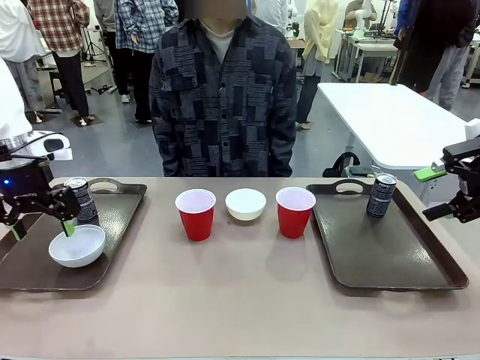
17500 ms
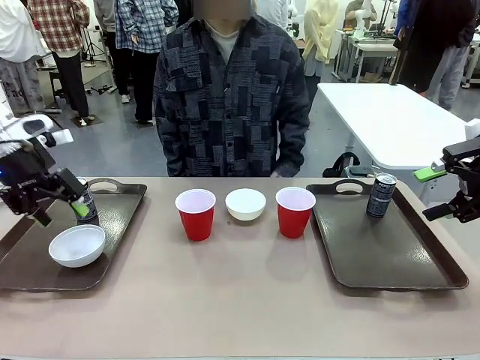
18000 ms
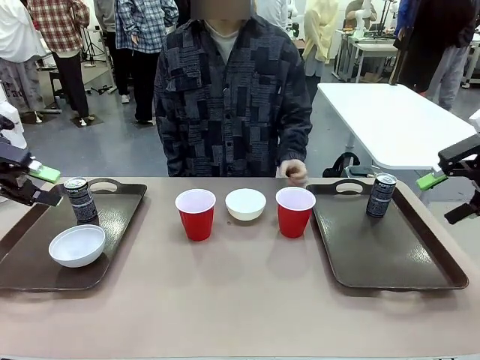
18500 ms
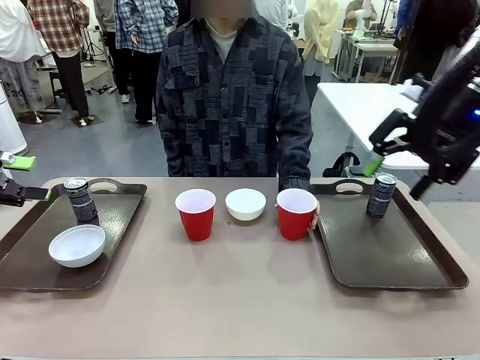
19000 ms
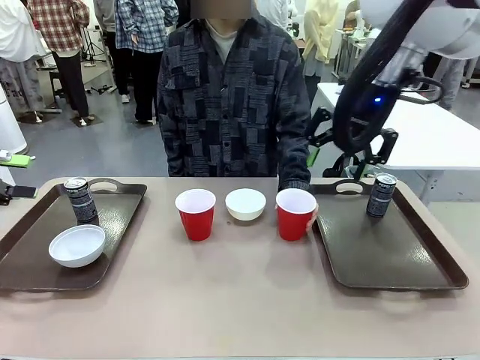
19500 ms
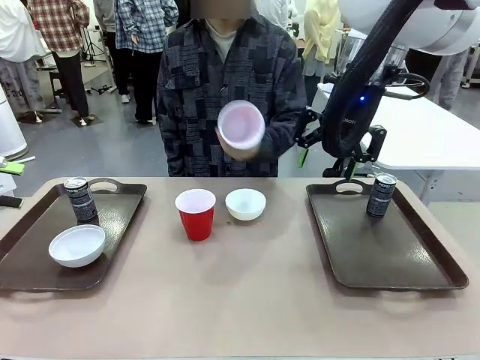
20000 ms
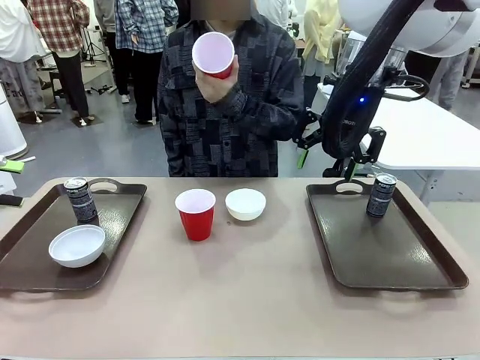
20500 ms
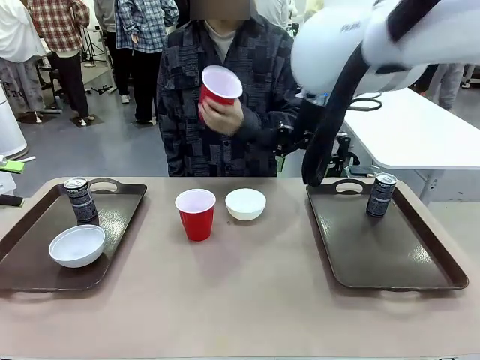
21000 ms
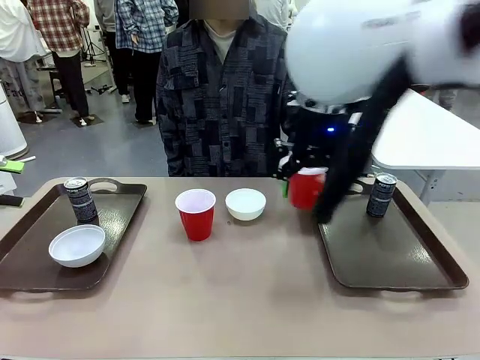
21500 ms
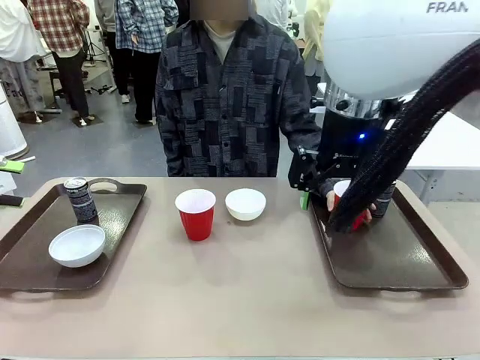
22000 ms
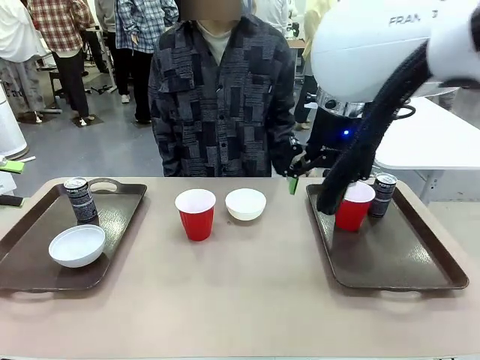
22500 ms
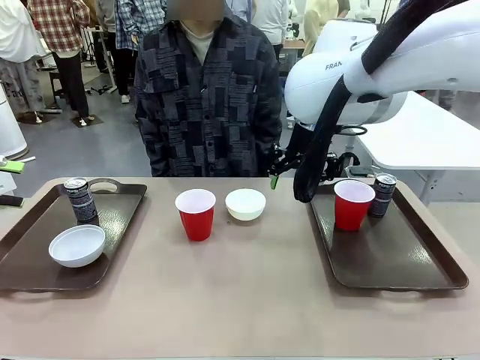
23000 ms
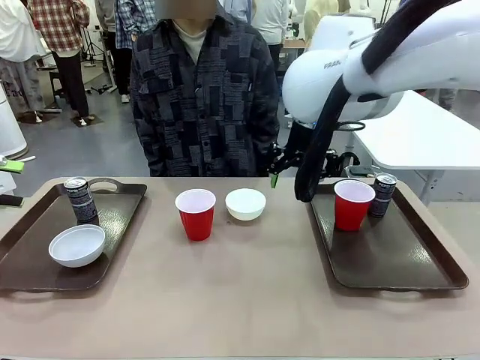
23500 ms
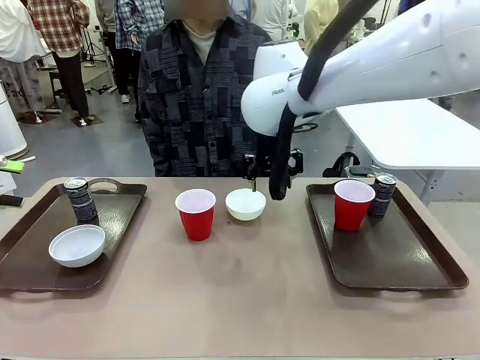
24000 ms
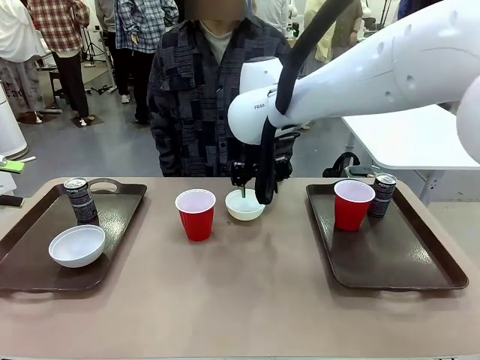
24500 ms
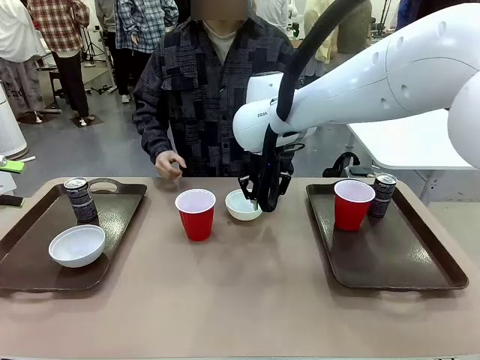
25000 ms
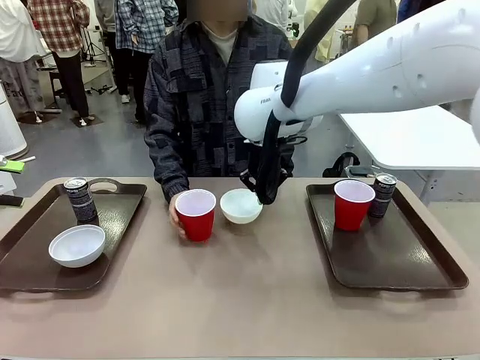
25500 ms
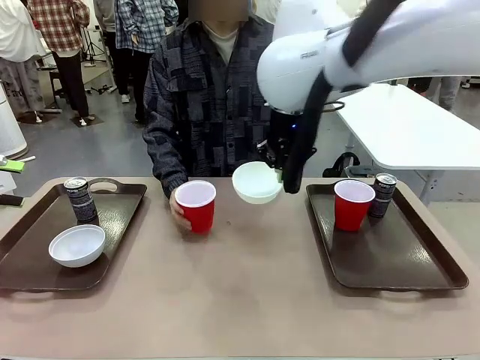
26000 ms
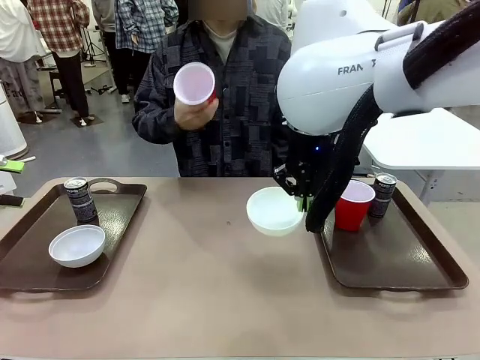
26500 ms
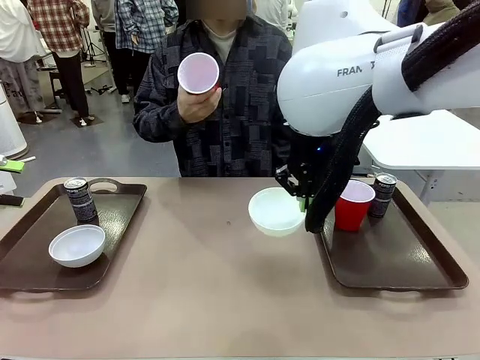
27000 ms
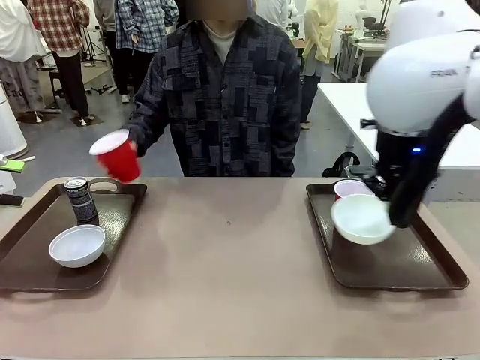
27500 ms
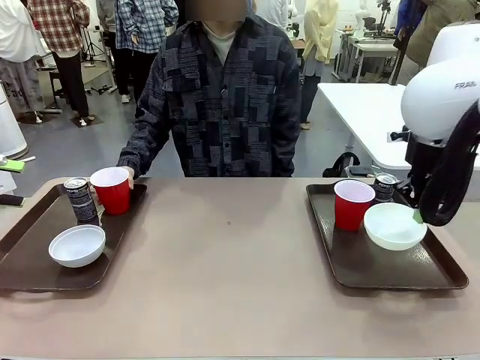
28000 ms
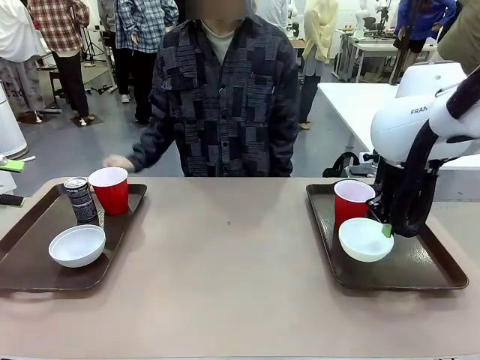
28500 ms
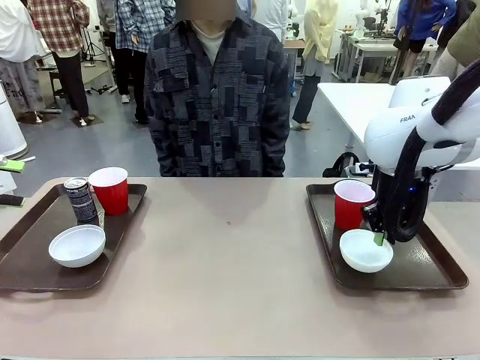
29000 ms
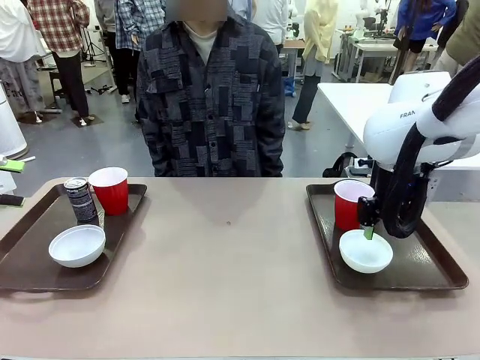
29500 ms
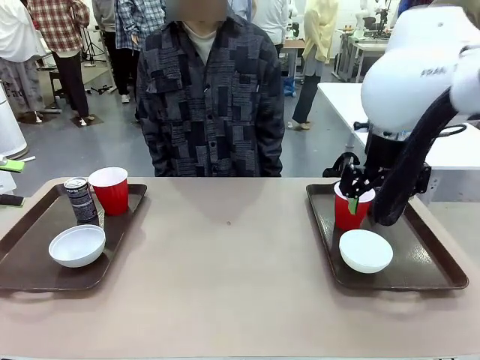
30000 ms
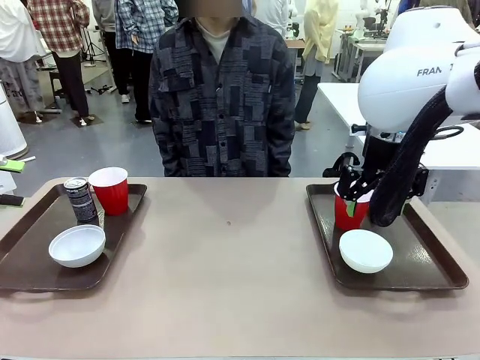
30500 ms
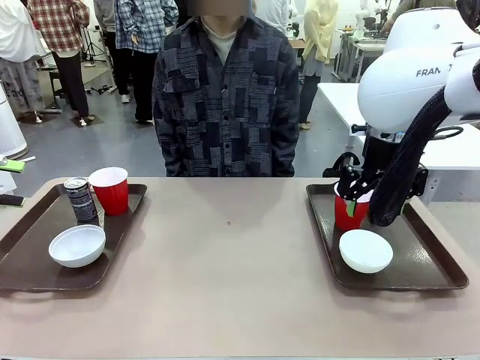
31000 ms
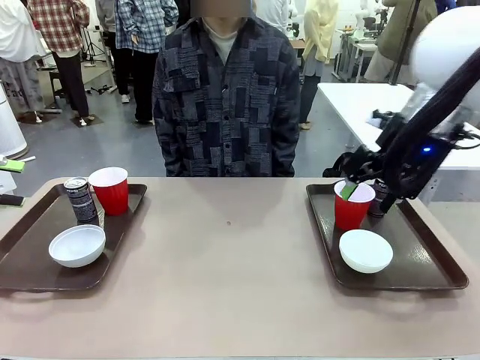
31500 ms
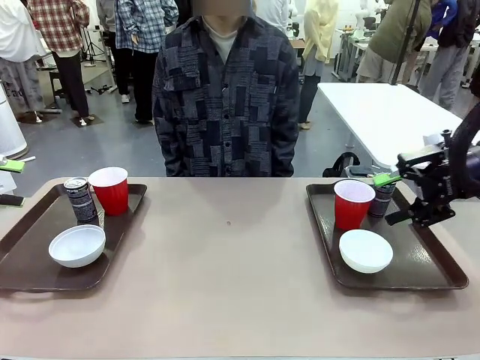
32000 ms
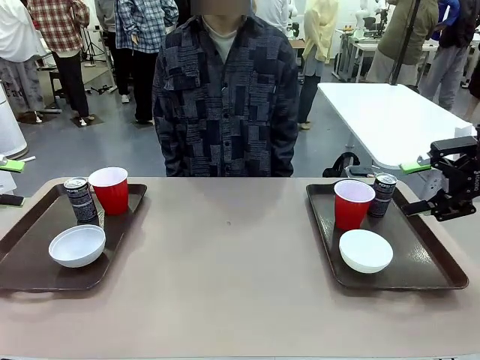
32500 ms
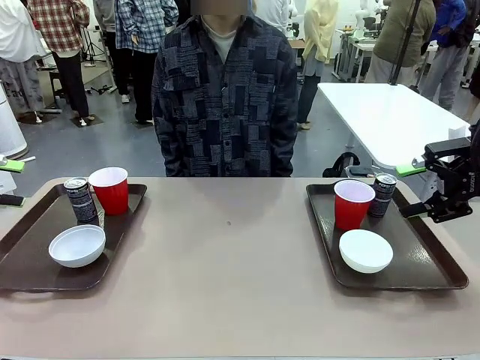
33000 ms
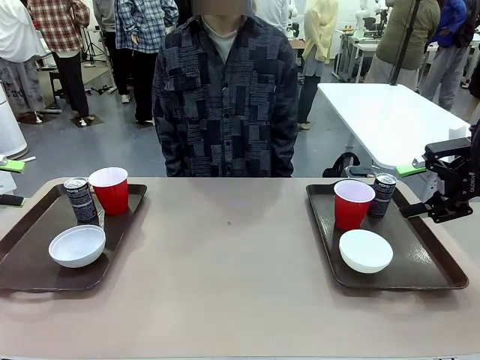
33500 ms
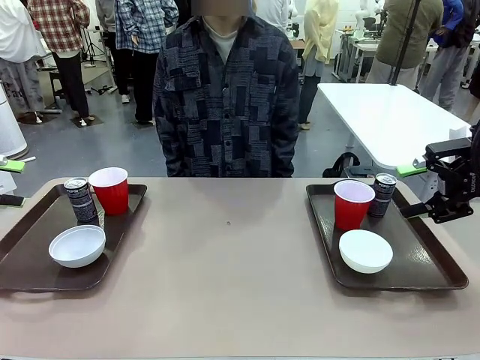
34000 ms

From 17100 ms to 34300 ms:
Task: Prepare tableware on both trays.
Robot: Pick up a Picnic Bowl from the table and place it on a Handle tray.
Person: Pick up a can or cup and place it on the tray without a can or cup.

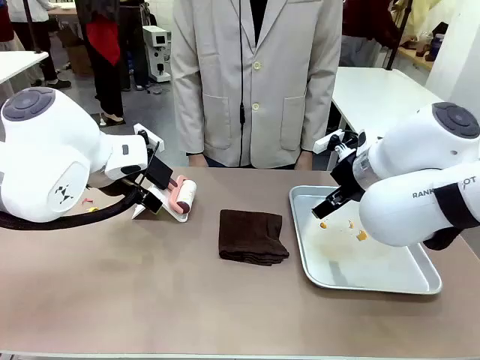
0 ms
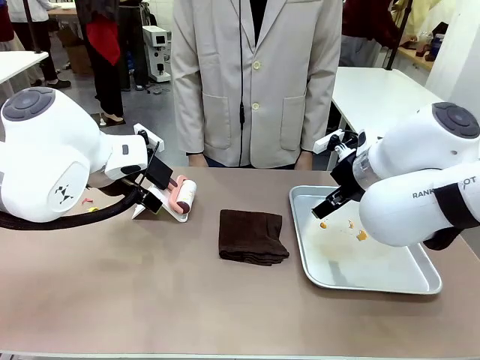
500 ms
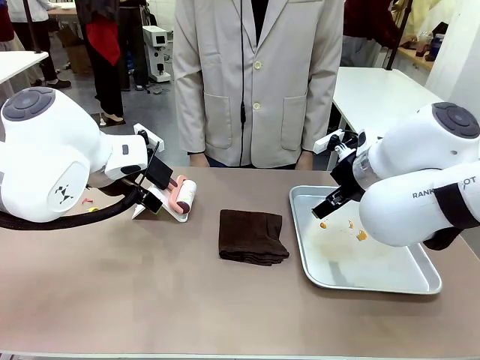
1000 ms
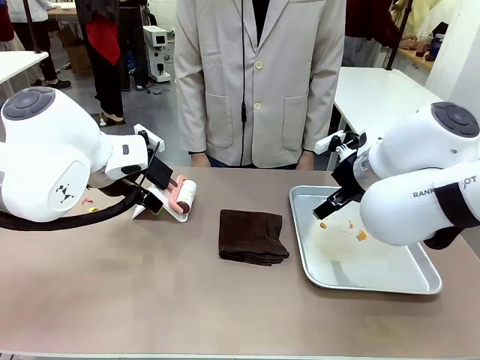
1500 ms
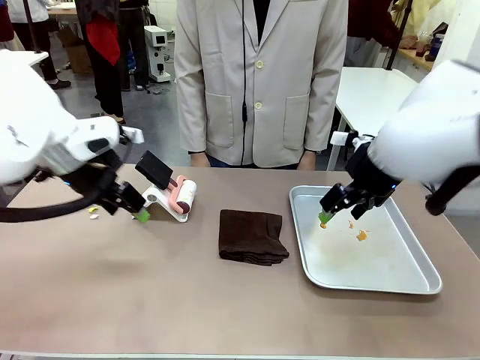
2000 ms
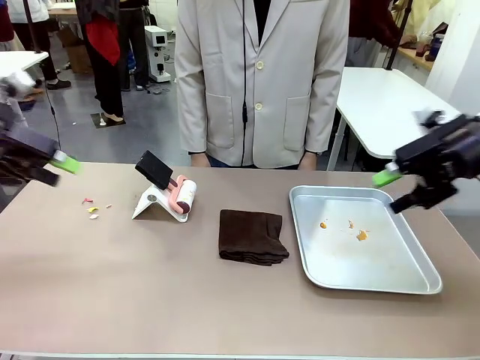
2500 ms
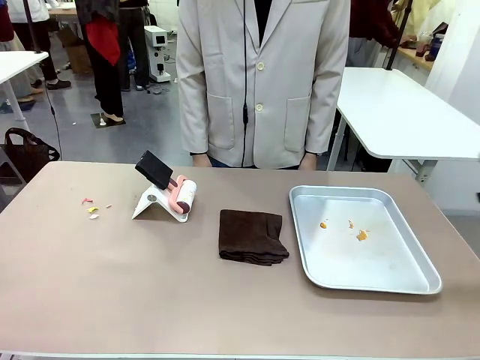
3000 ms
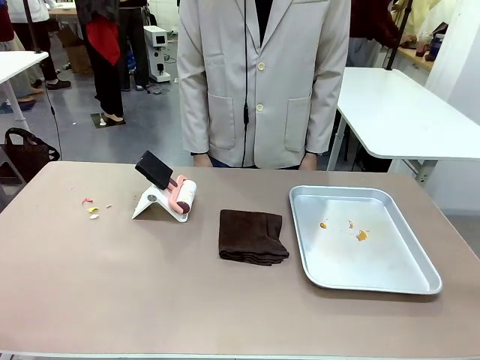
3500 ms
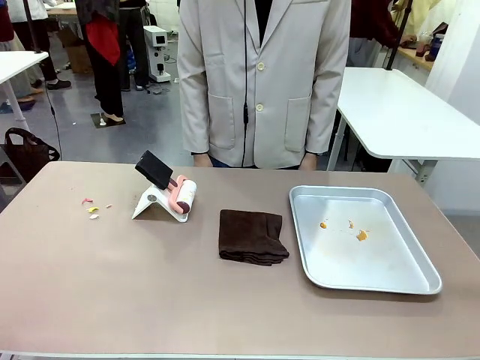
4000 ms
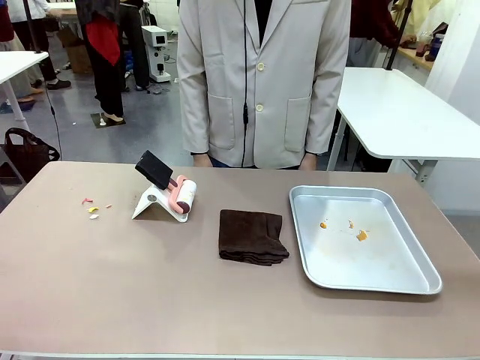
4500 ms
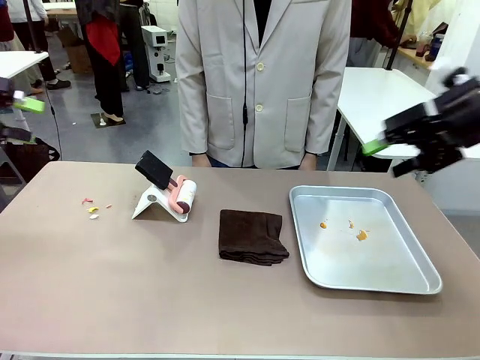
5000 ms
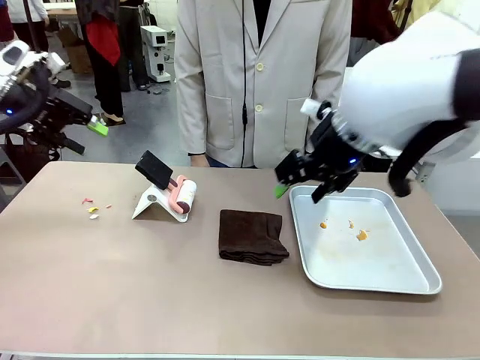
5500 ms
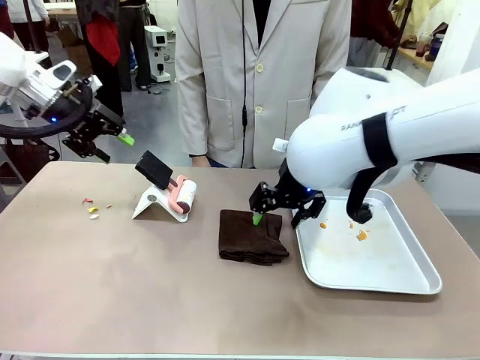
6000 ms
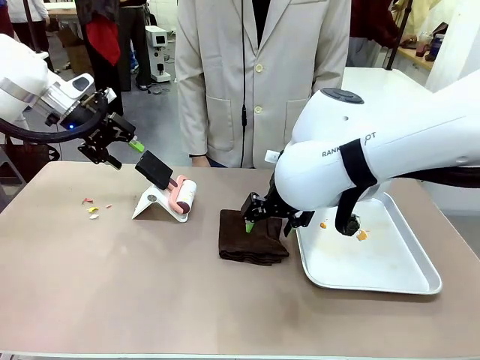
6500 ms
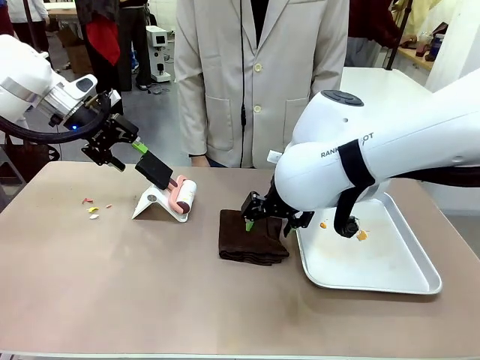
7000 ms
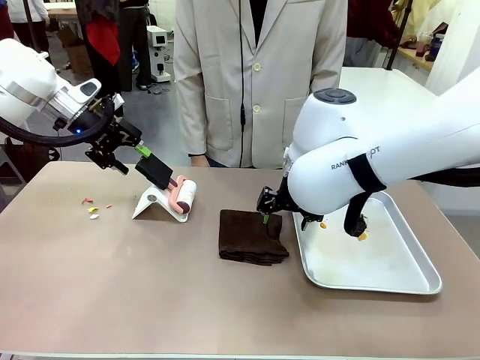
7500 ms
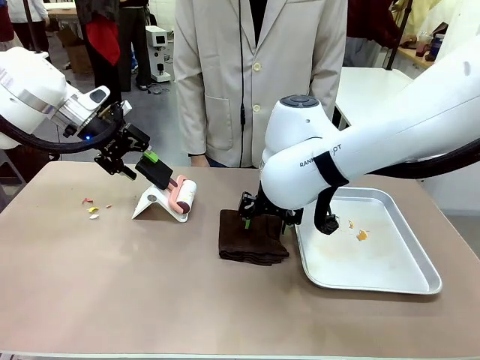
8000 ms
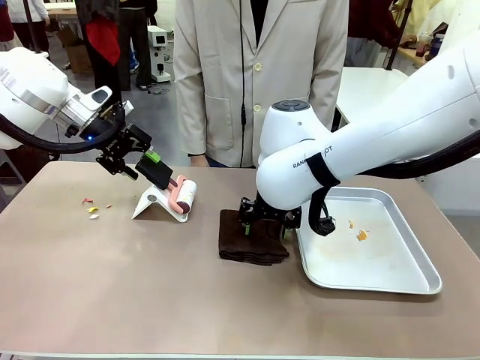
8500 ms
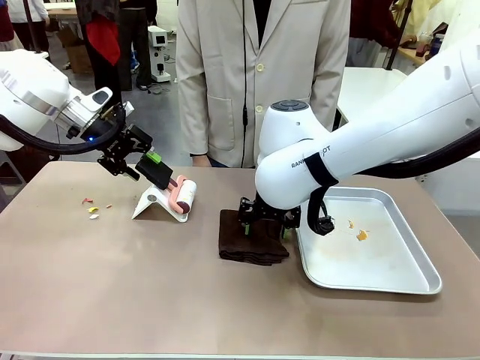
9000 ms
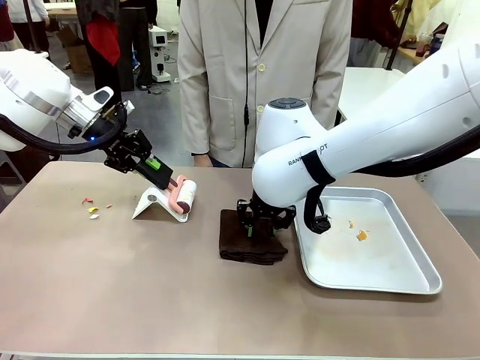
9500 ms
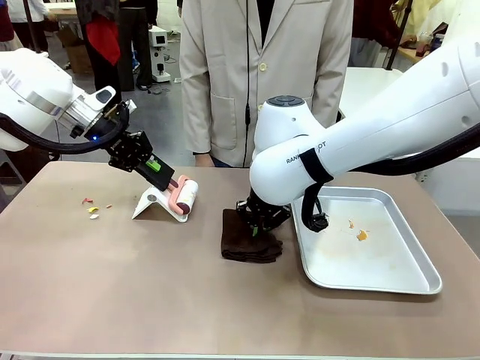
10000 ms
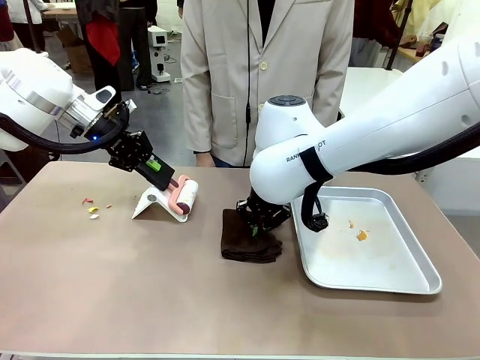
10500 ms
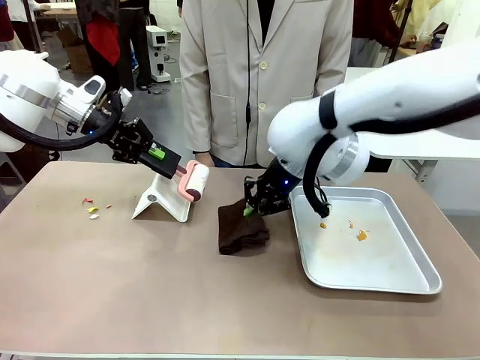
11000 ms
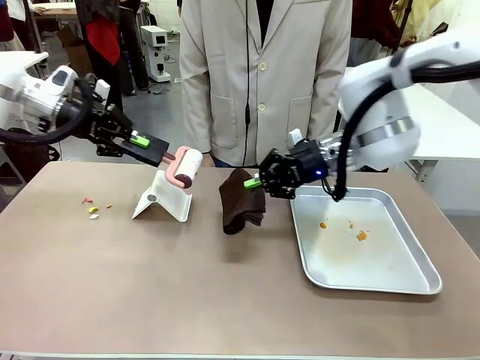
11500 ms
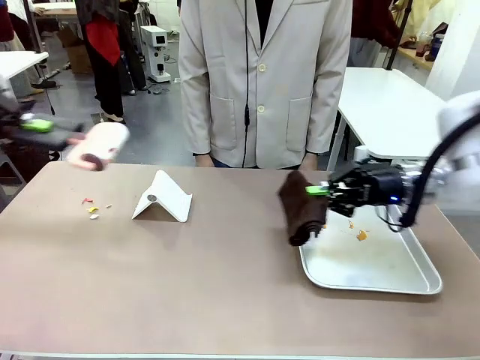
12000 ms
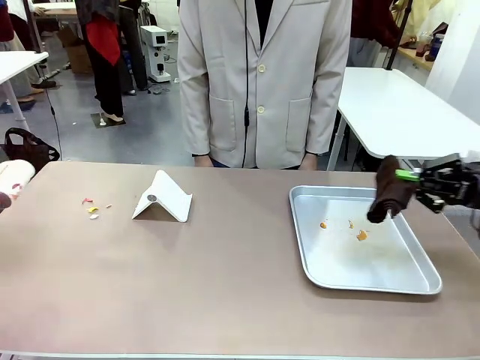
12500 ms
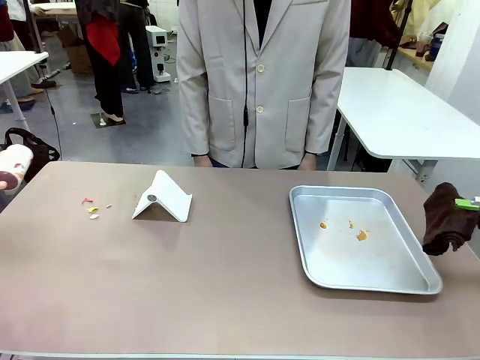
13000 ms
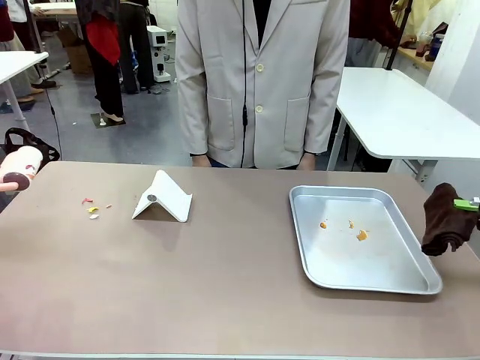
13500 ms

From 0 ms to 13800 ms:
Task: Clean the surface of the table.
Robot: Hold the Lint Roller with your left hand and the towel with your right hand.
